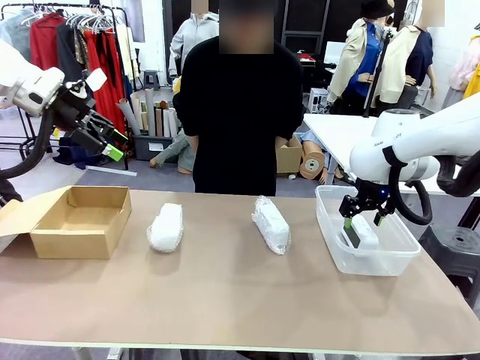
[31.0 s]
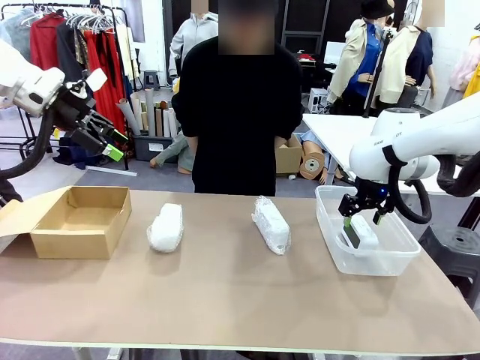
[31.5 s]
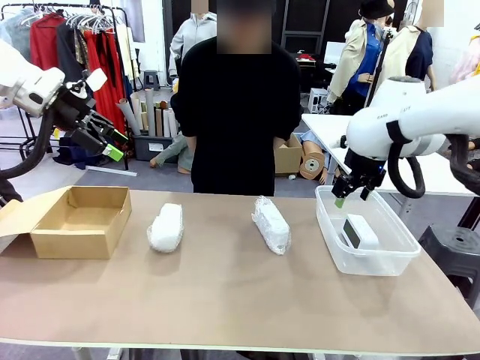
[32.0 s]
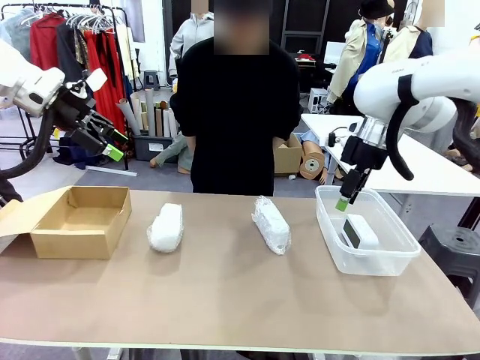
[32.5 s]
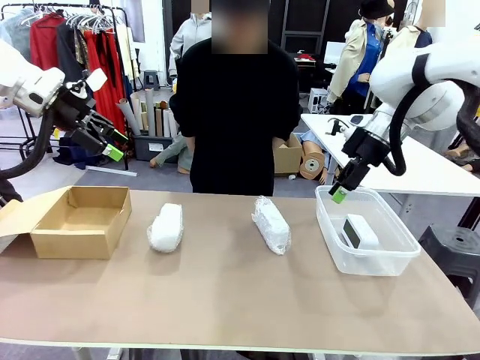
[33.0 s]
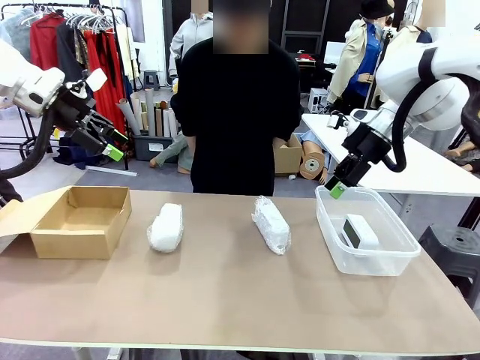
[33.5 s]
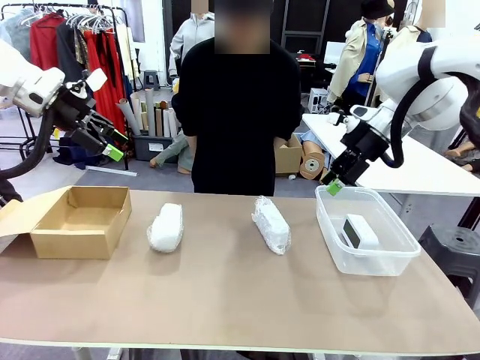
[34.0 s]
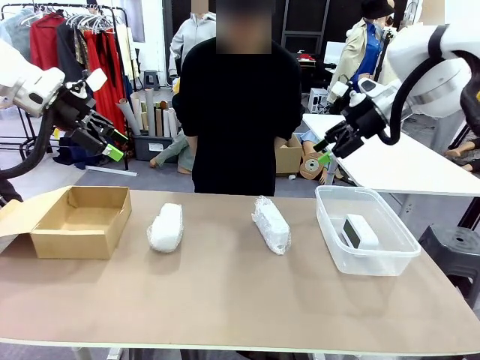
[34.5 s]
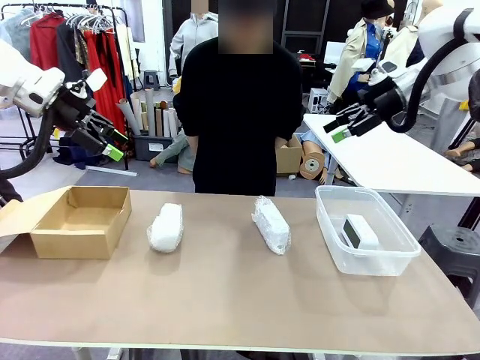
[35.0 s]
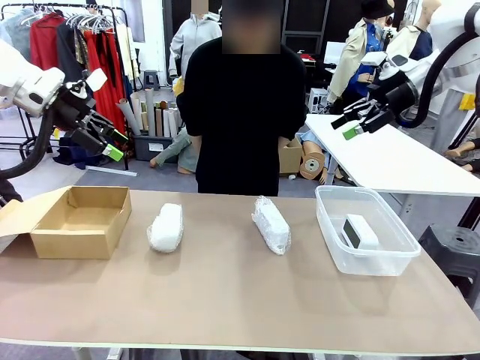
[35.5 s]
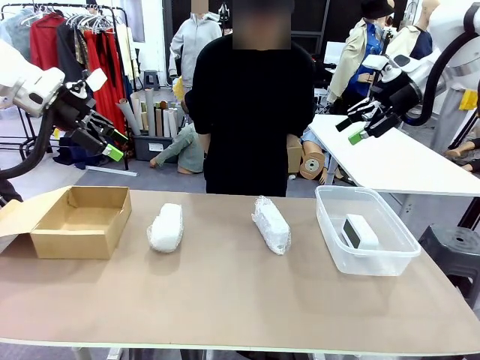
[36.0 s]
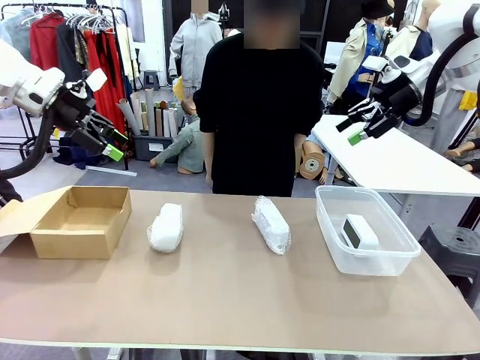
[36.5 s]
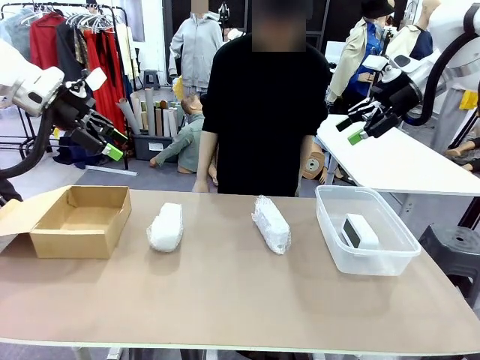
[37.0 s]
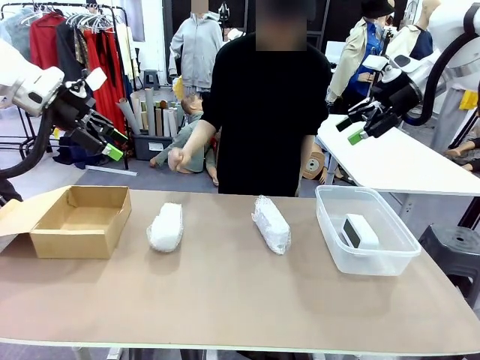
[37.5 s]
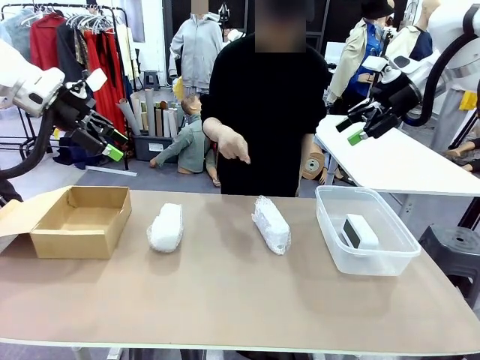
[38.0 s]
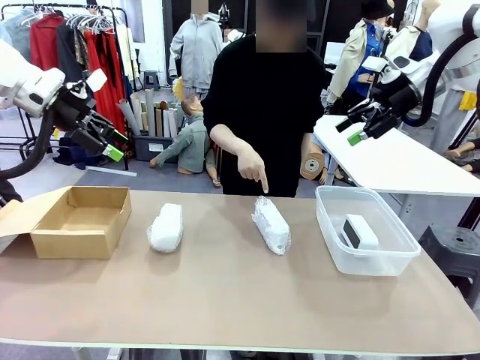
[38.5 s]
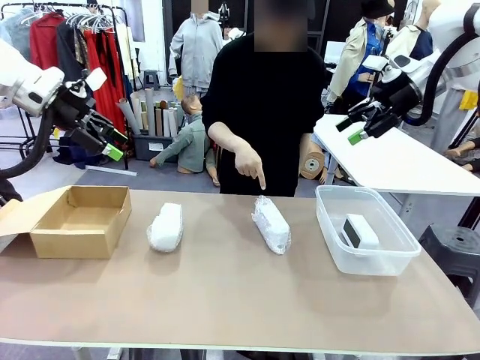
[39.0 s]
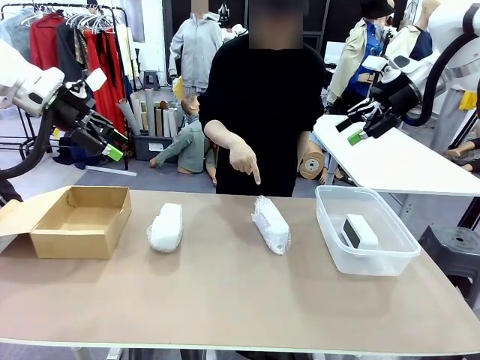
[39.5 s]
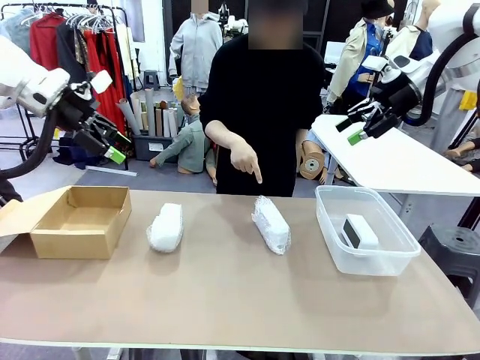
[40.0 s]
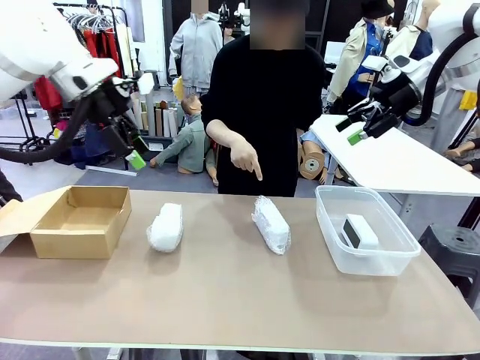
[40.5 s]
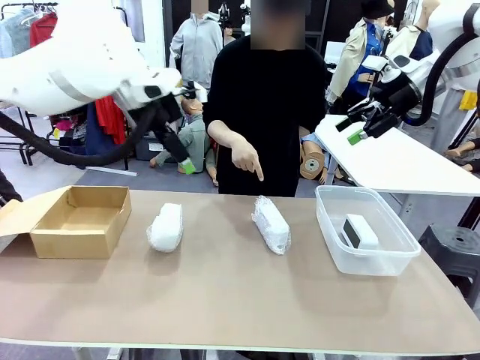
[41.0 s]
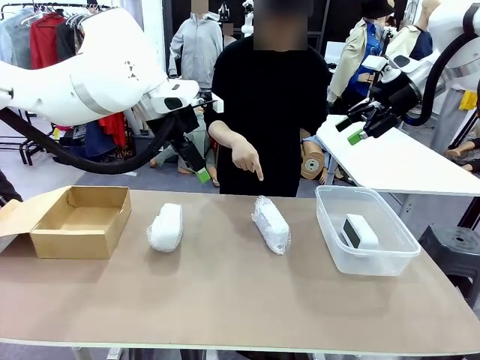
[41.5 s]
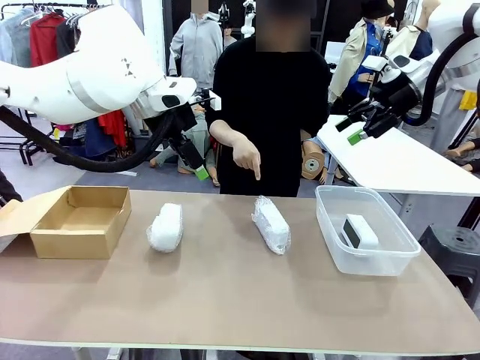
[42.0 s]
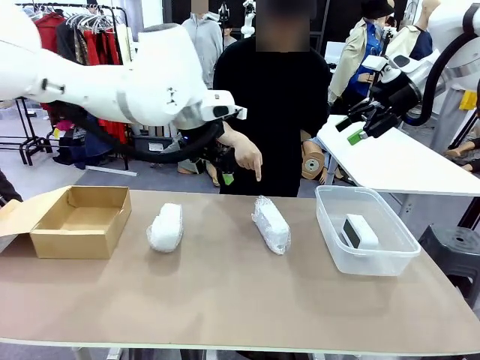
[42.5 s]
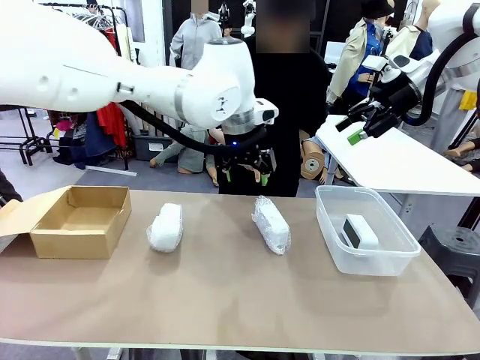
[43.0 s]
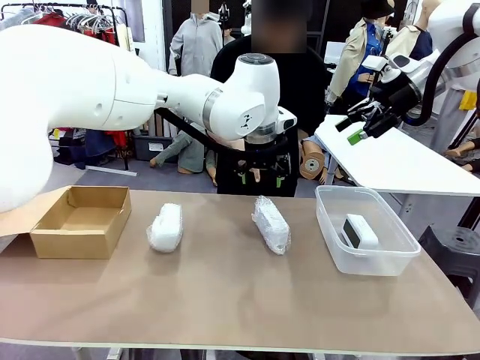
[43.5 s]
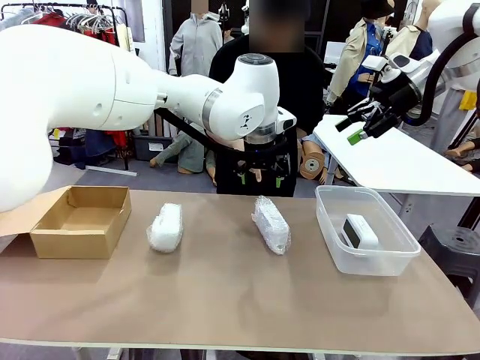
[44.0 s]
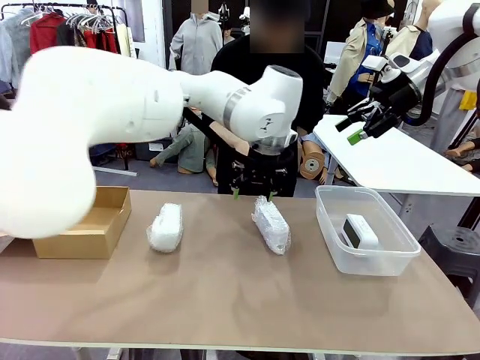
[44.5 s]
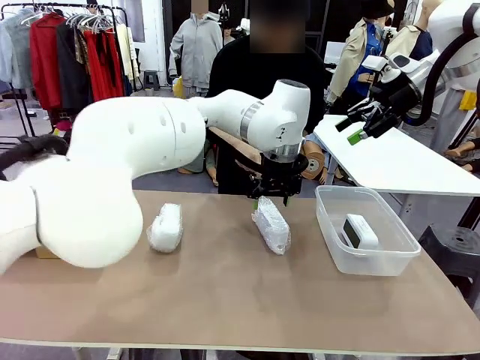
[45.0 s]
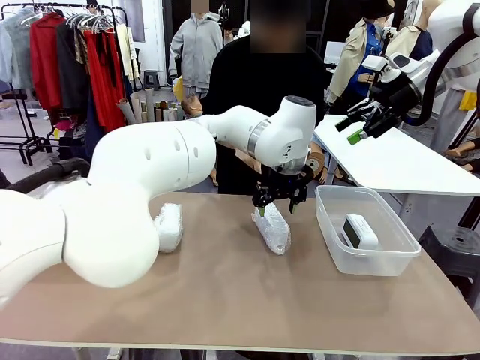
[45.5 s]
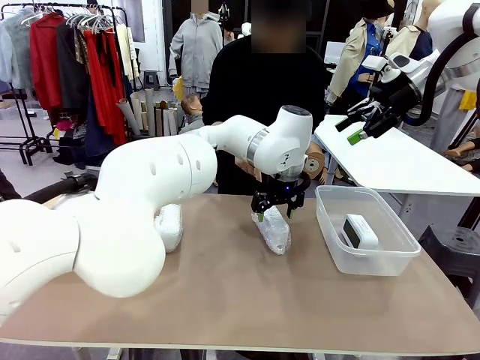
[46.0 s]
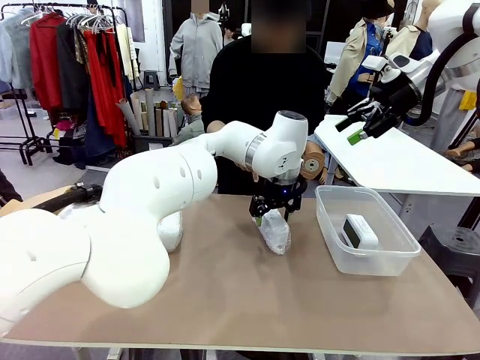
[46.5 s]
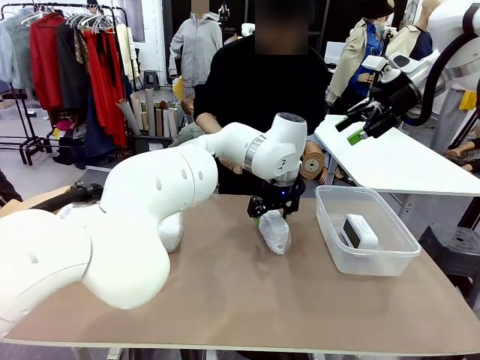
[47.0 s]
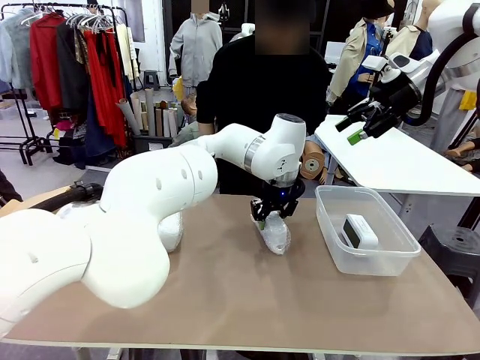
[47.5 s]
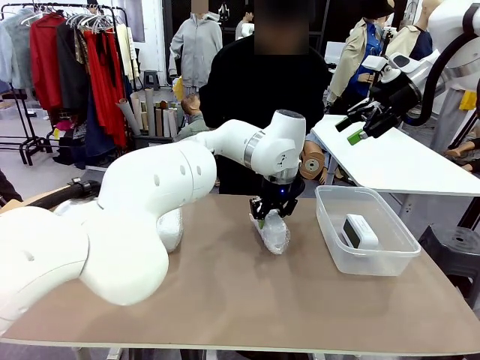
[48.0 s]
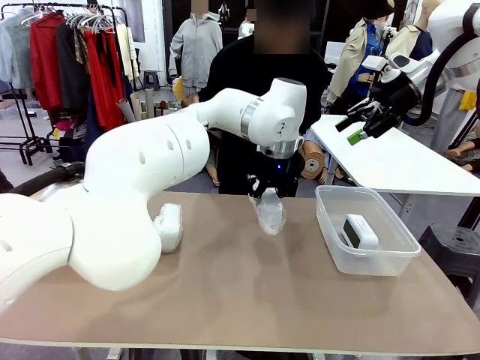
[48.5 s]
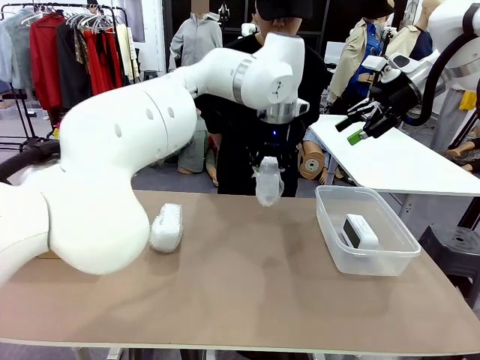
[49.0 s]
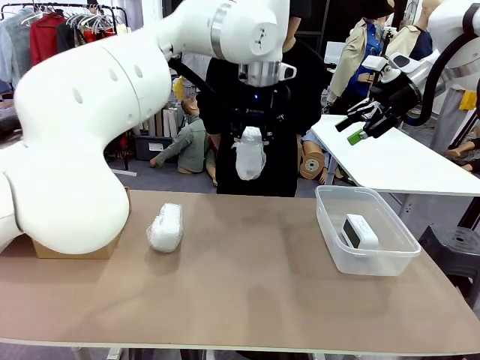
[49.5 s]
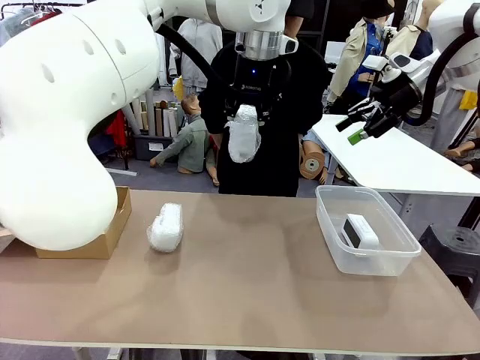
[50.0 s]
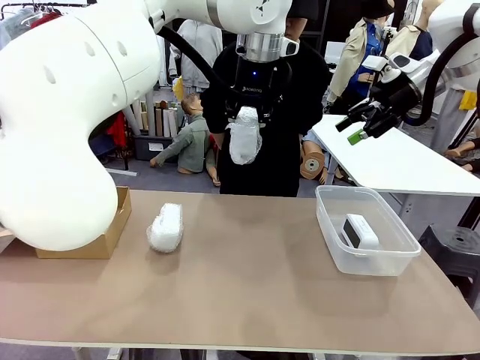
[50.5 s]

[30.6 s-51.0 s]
Task: Separate and place wrapped and unwrapped clocks.
Robot: Pick up the Digital clock indicated by the person.

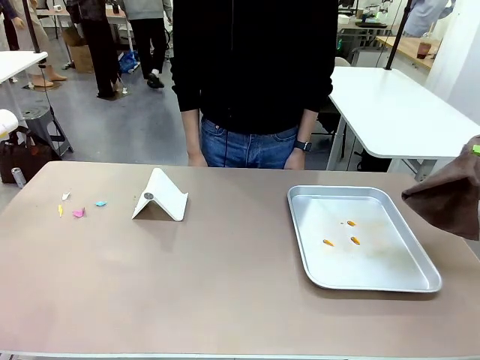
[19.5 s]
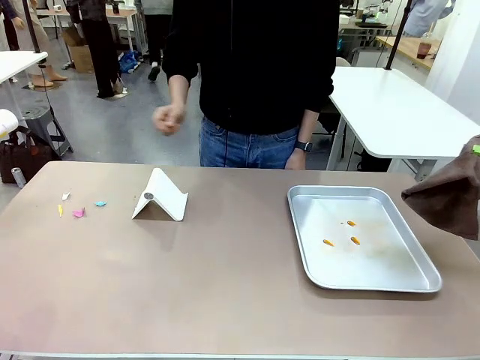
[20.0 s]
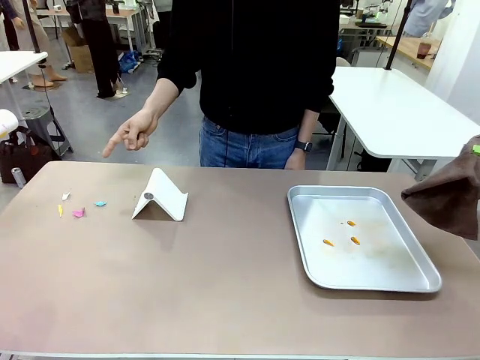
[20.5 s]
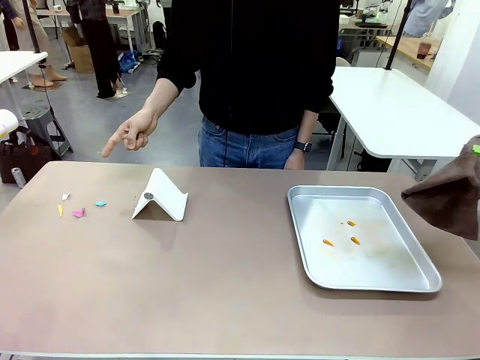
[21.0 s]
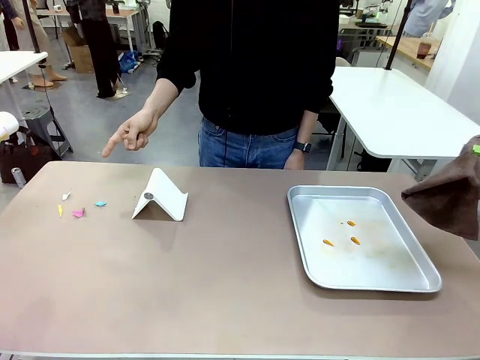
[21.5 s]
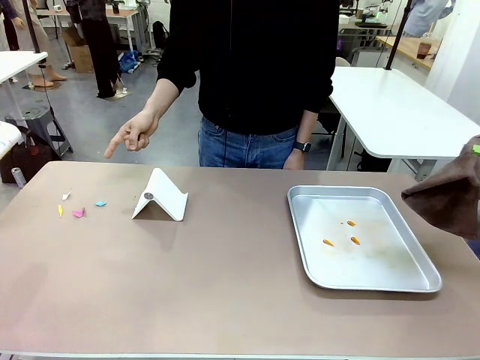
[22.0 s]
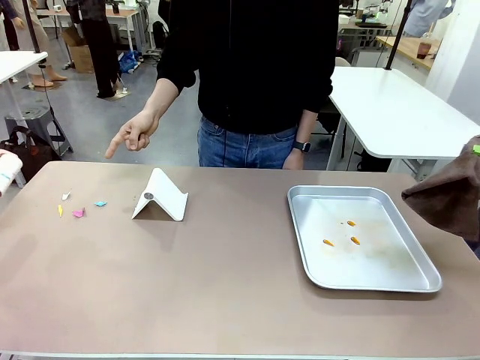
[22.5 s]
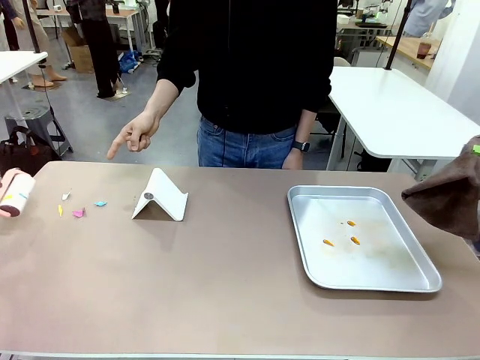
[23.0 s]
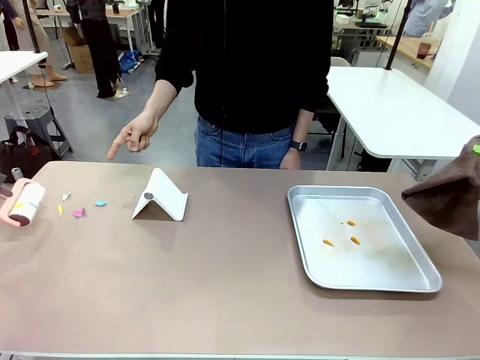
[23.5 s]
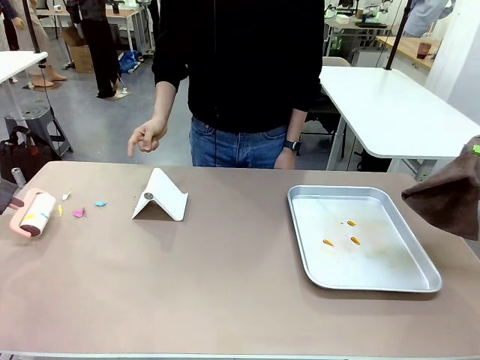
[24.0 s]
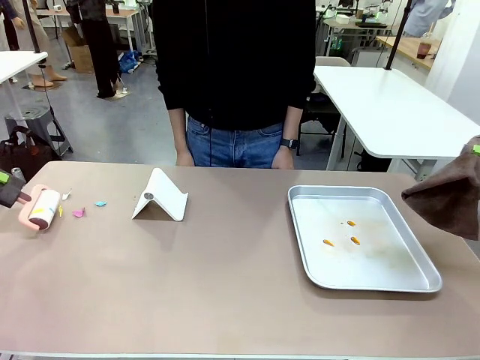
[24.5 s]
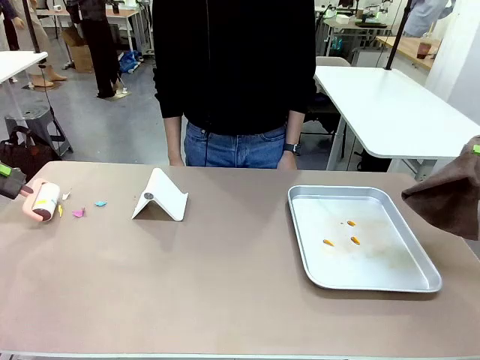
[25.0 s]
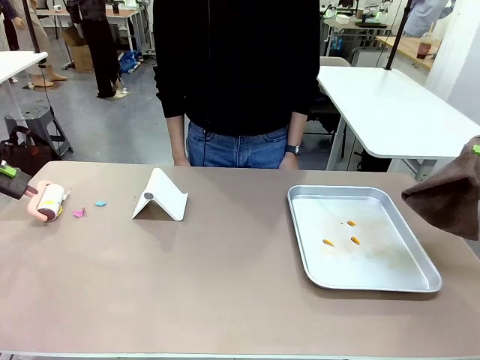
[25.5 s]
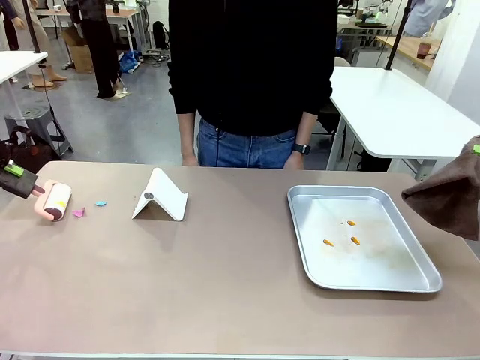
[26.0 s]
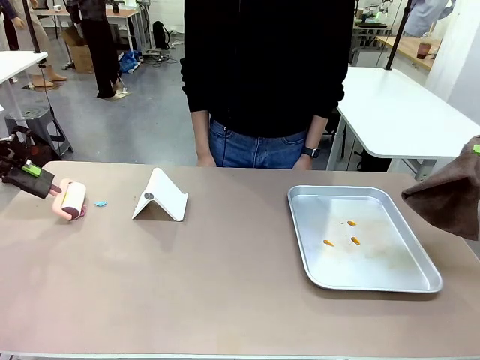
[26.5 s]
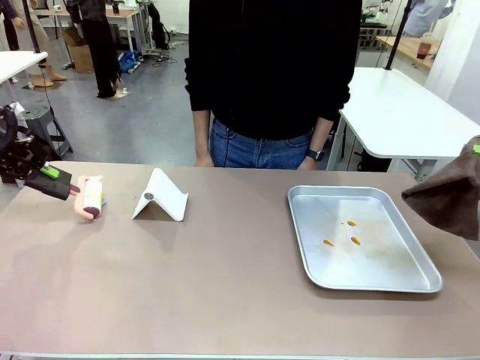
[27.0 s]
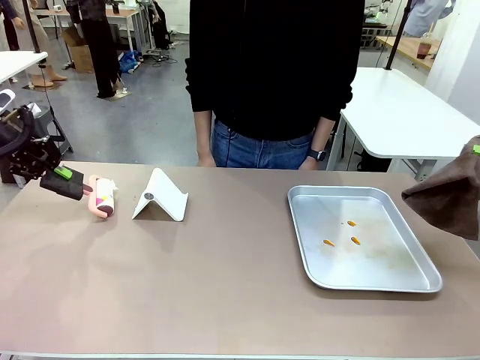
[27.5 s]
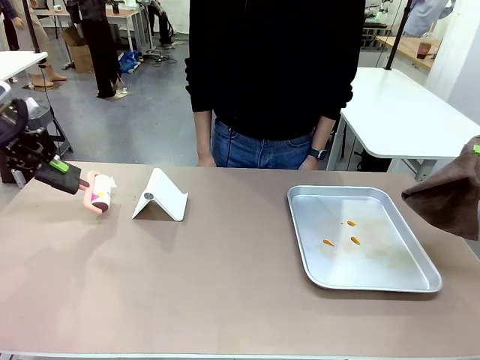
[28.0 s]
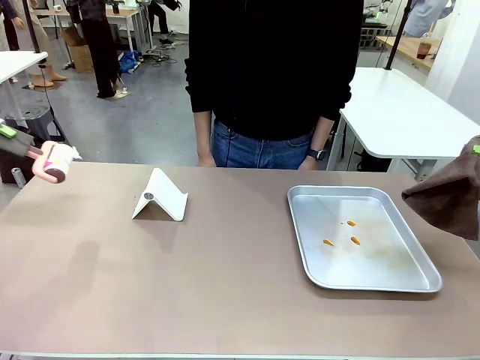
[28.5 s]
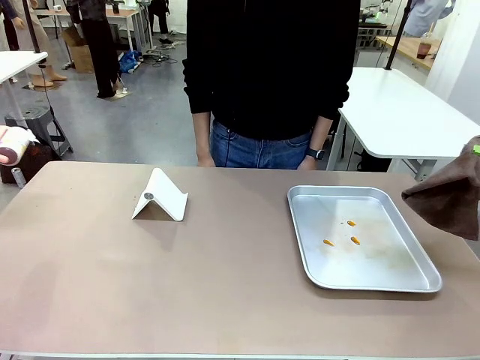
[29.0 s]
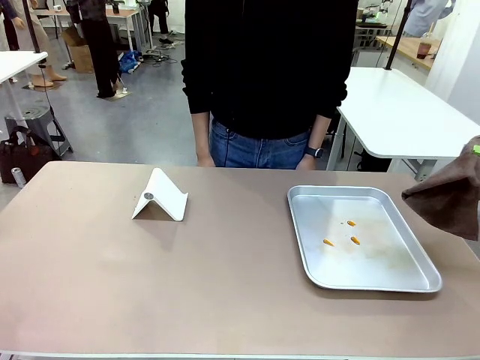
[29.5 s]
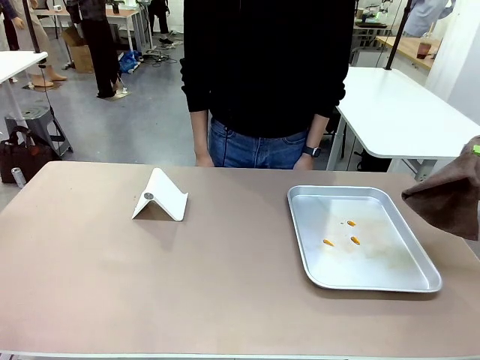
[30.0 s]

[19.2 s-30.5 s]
Task: Clean the surface of the table.
Robot: If a person points to the right, clean the right side of the table with your right hand, and if they point to the left, clean the left side with your left hand.
